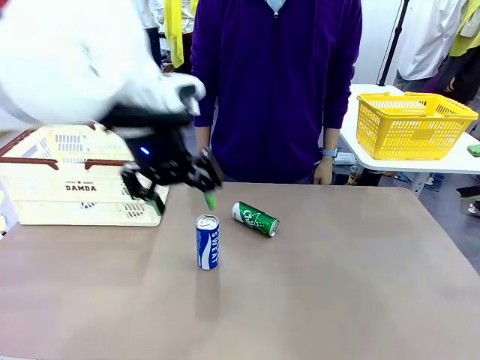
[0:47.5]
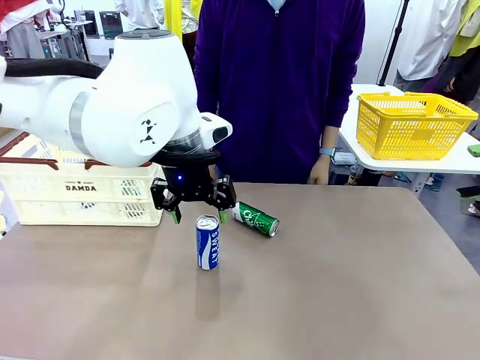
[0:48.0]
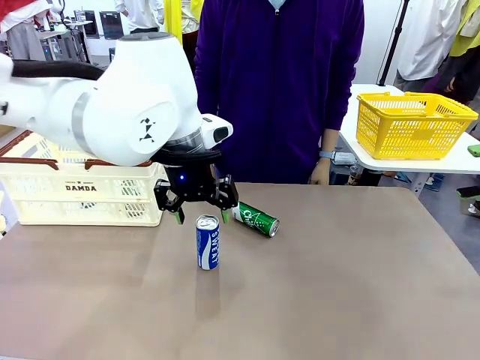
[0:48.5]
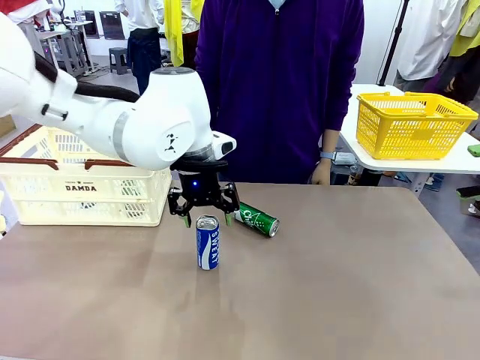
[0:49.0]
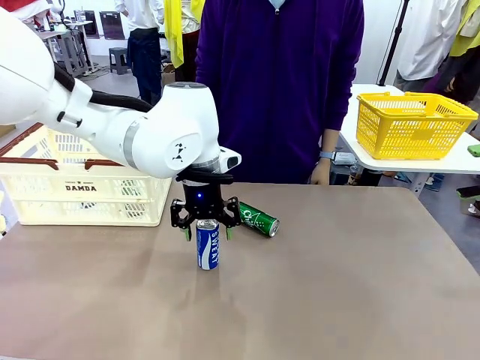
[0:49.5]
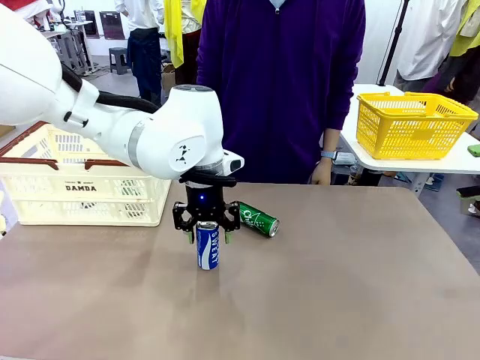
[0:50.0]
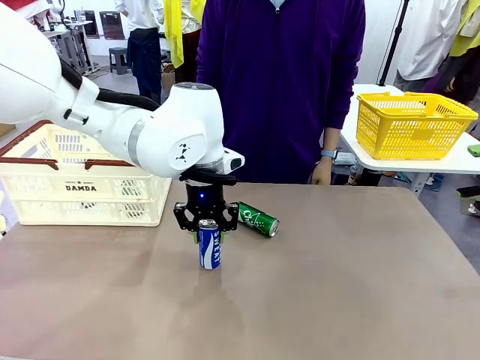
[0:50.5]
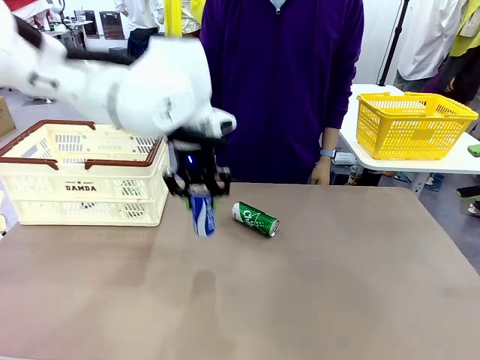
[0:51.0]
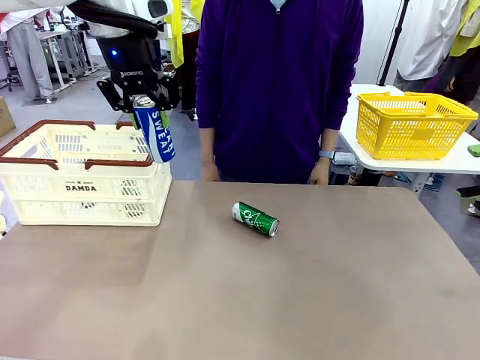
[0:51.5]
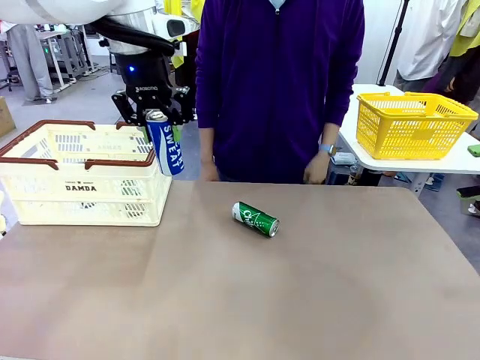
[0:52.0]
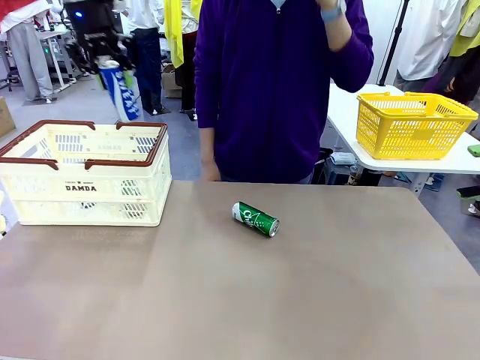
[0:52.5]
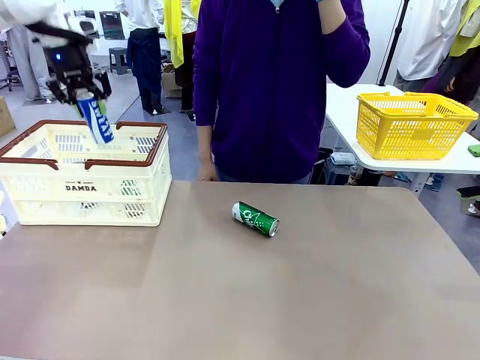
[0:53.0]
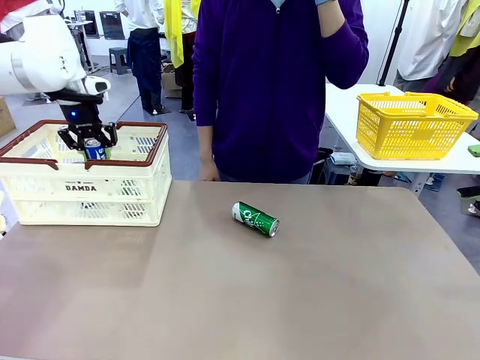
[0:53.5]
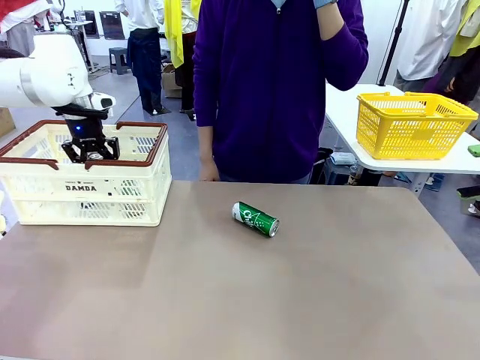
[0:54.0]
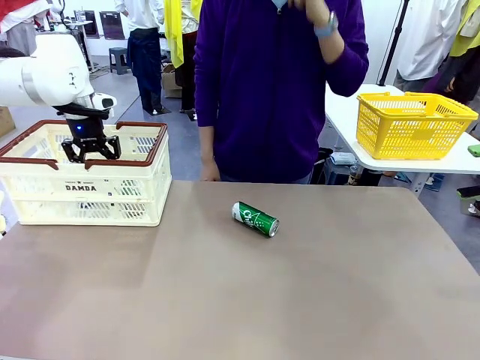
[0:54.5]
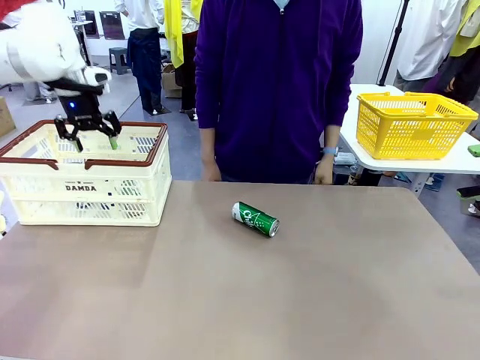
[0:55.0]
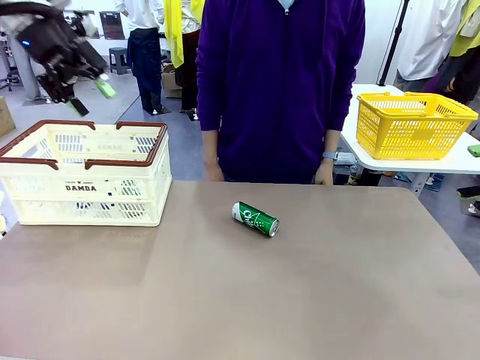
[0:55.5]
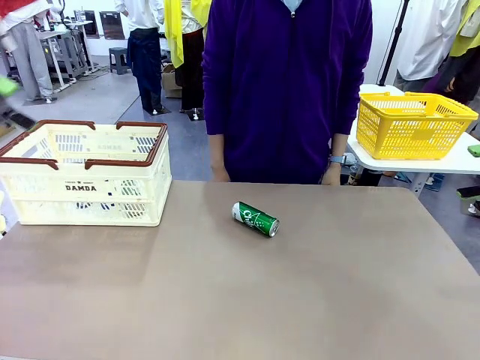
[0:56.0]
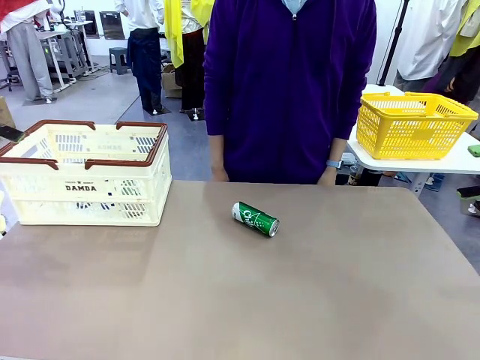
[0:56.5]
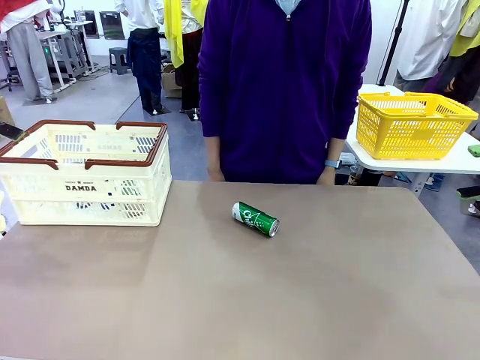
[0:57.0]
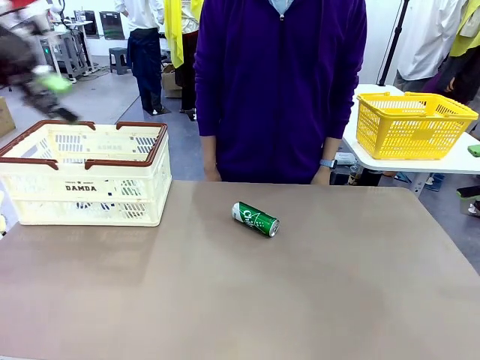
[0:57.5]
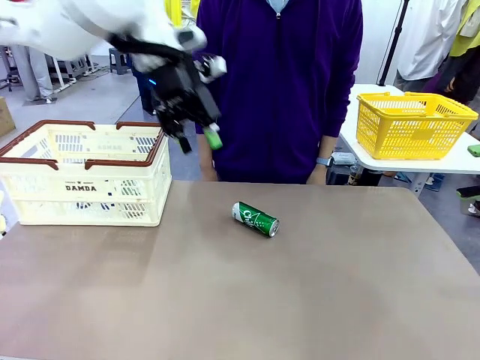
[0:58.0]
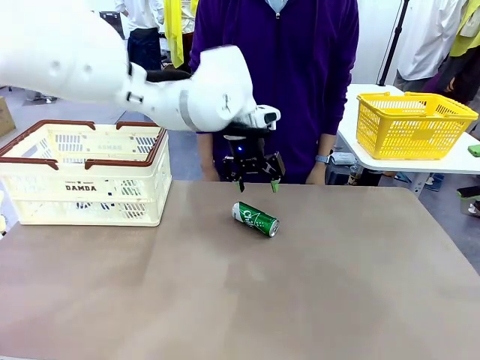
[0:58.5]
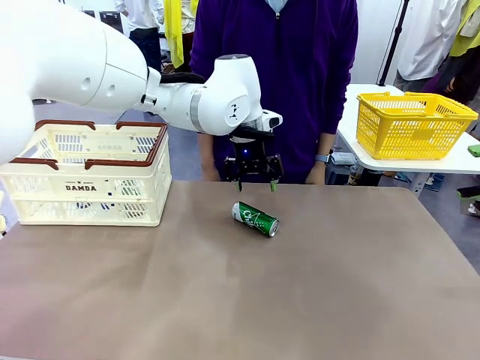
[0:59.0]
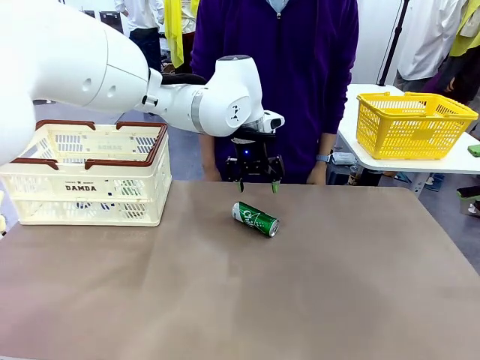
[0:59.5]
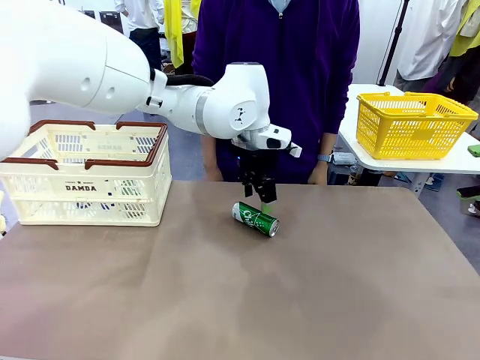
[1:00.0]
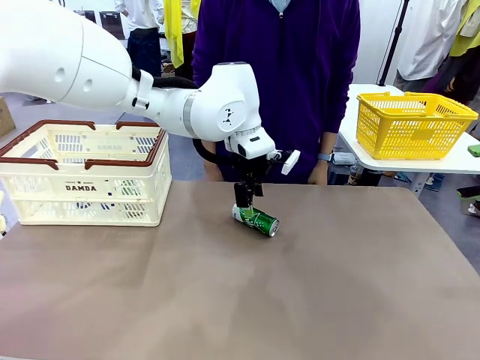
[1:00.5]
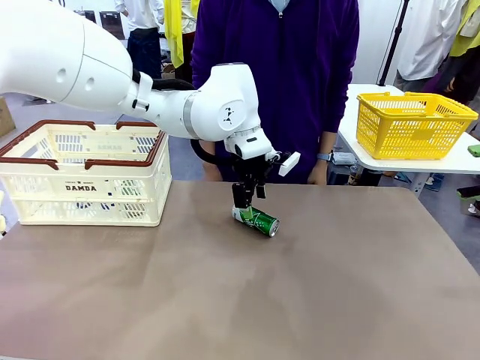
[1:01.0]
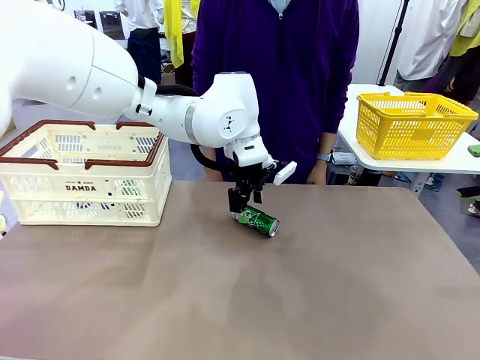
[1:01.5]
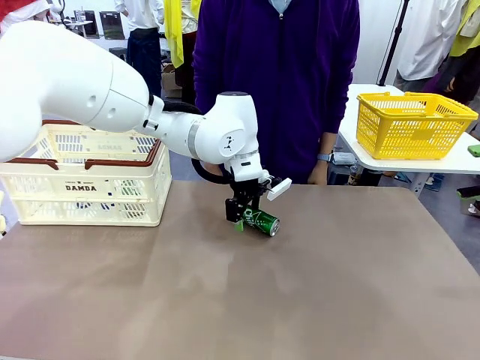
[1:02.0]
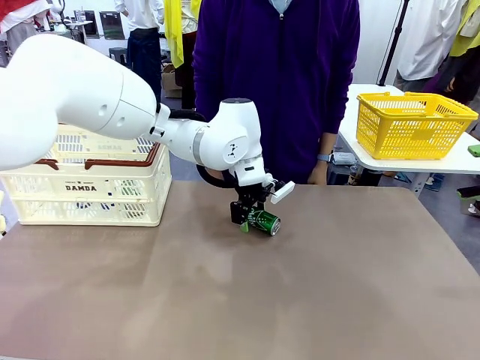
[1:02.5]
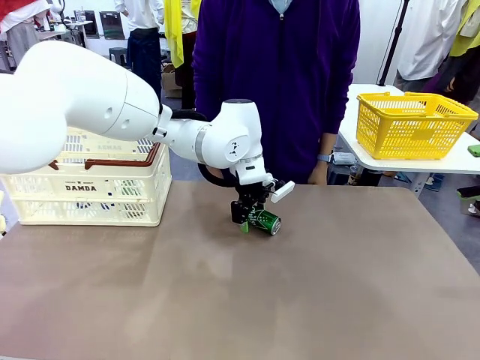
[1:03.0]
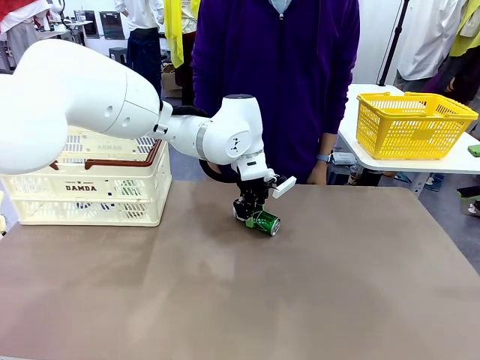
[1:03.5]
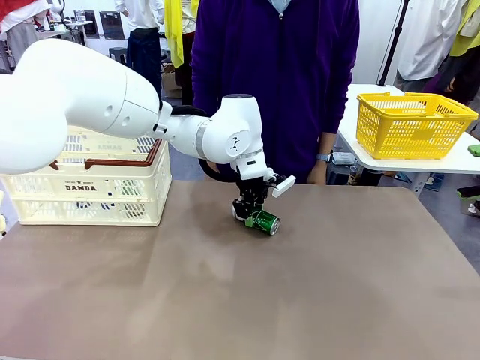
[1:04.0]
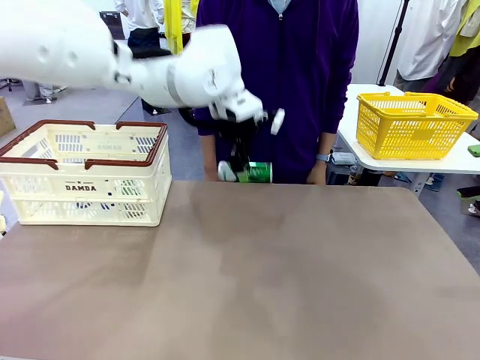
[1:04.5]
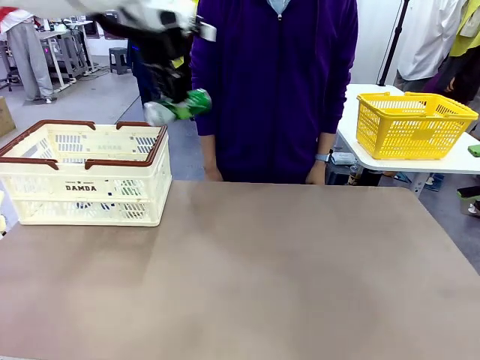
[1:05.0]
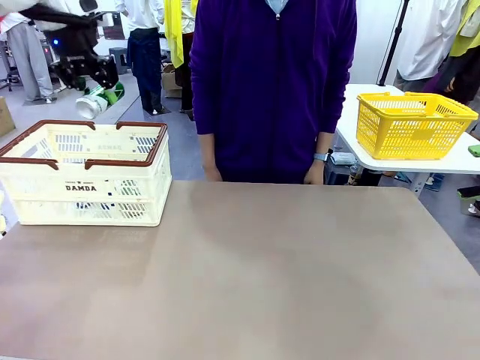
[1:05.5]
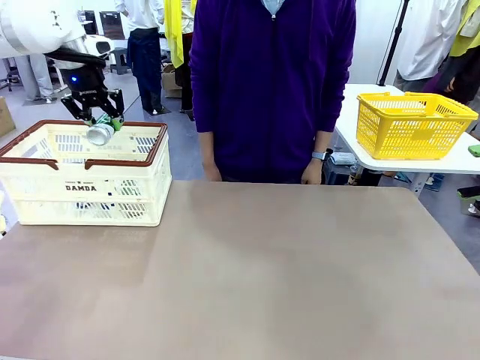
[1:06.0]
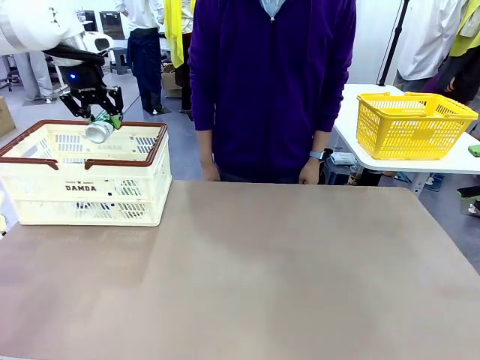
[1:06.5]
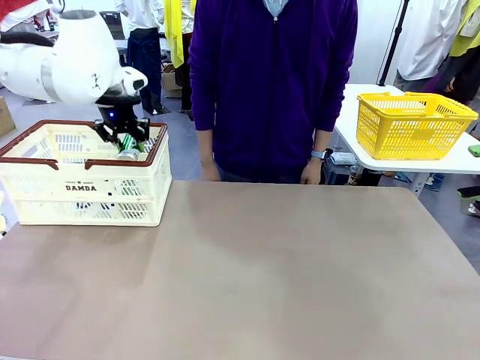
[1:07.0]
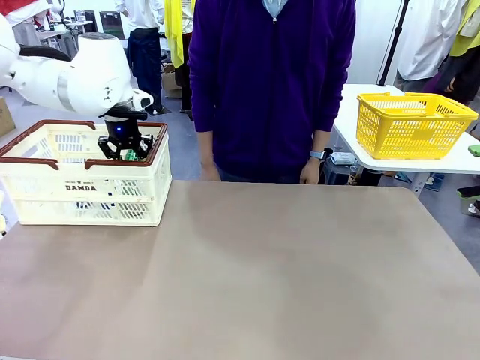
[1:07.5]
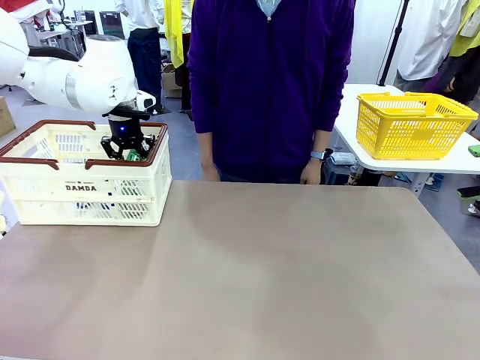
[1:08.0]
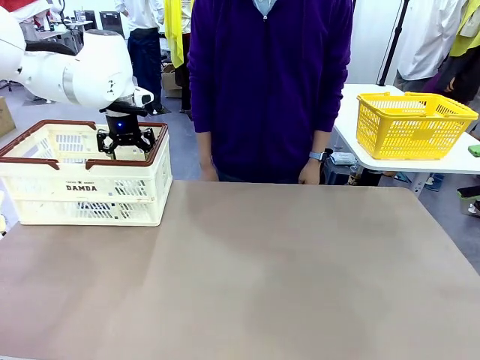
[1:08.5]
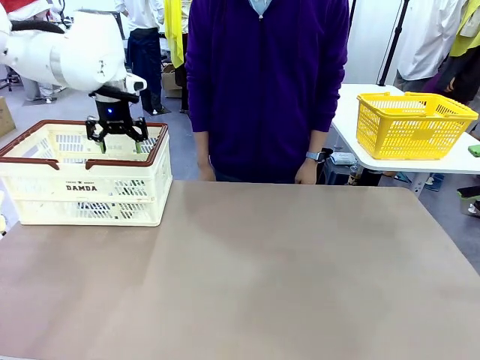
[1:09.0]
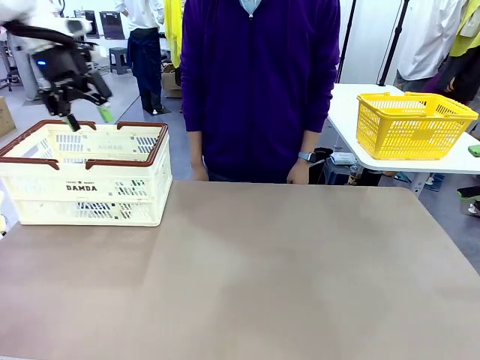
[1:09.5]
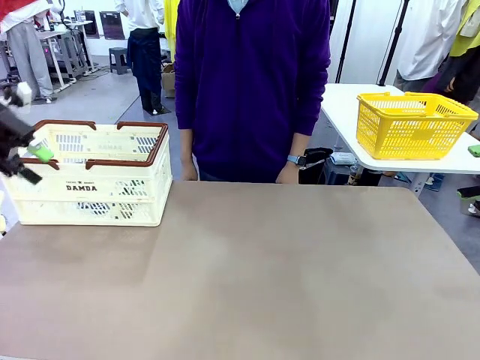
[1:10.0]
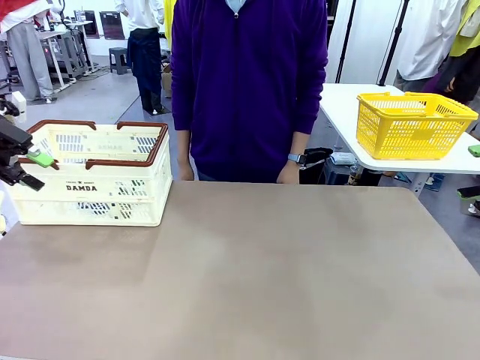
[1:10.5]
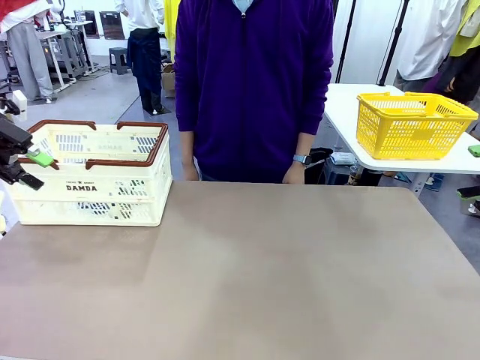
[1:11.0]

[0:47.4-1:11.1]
Task: Place the drinks into the Shopping basket.
Robot: Pick up one drink and place it into the Shopping basket.

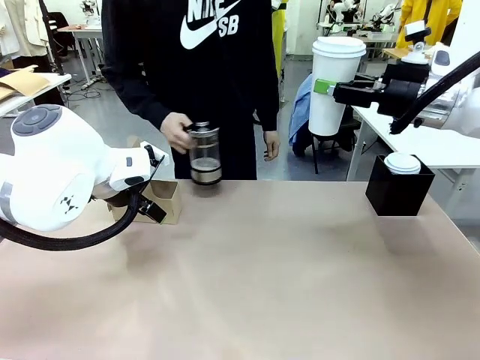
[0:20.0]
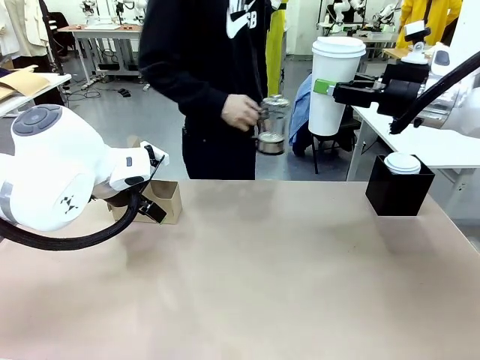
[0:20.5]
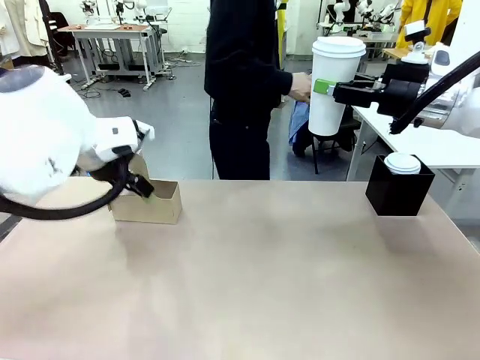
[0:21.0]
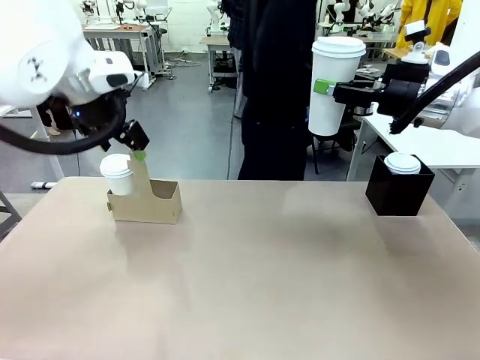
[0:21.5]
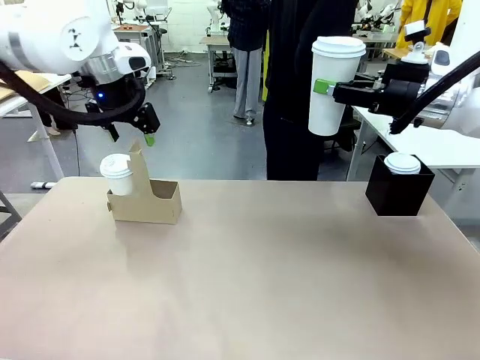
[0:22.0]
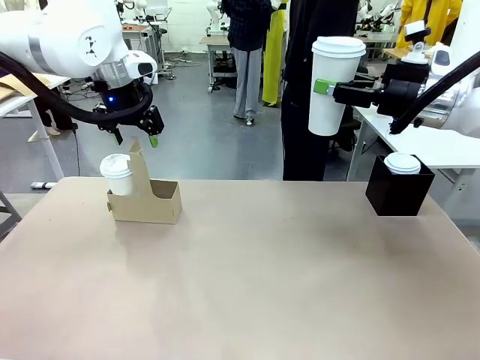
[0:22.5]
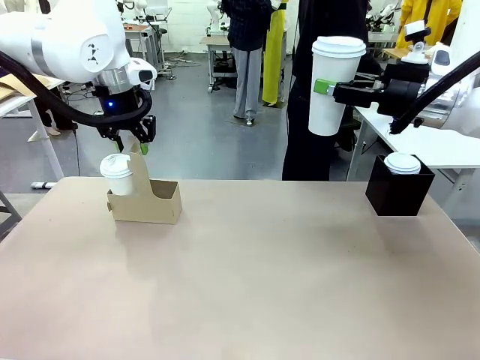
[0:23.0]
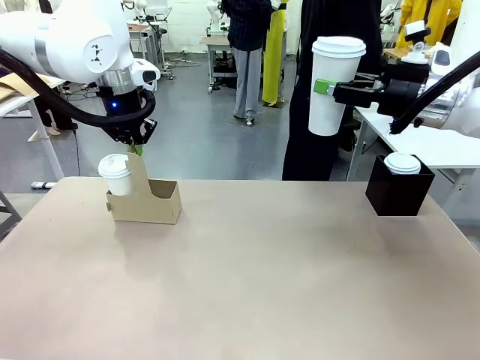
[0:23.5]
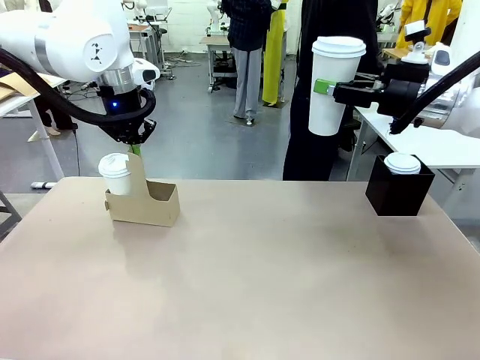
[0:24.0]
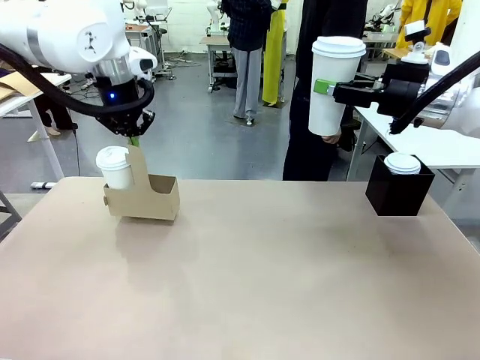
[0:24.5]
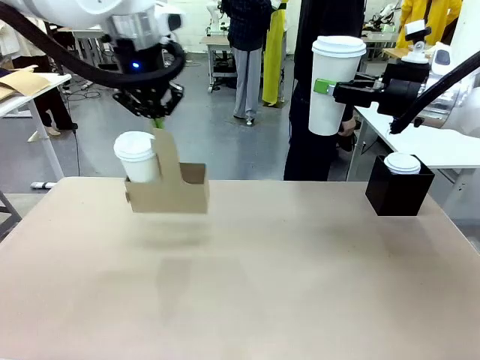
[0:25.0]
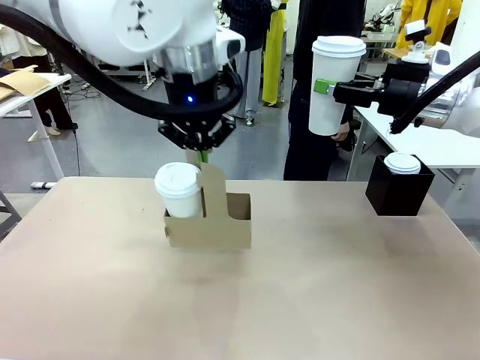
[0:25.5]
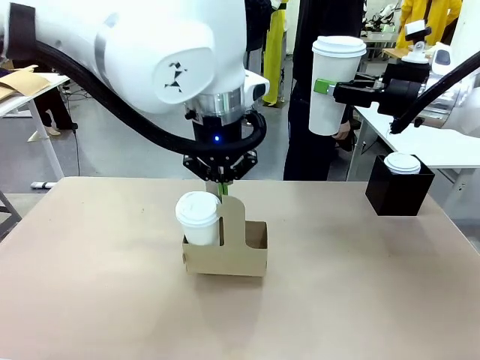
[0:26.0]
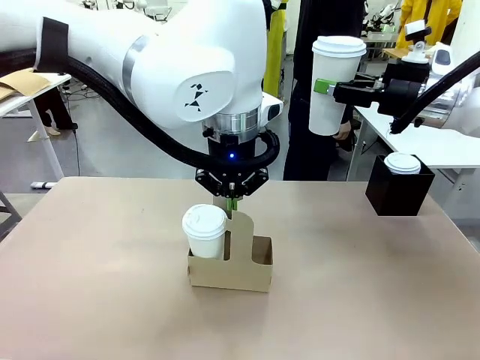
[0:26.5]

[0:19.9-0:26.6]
Task: Pour a drink into a cup and package it in a carrier.
Robot: Position the Cup Carrier in the center of the table.
